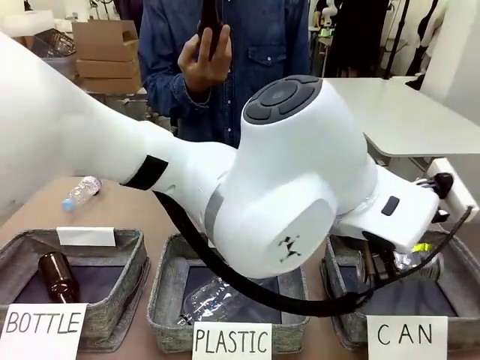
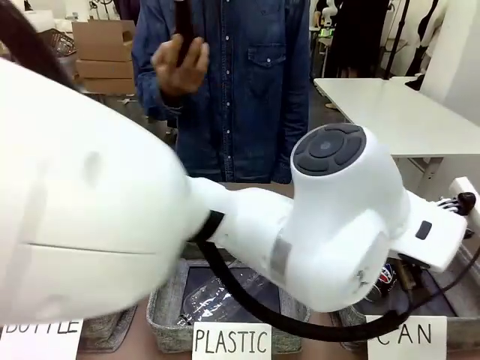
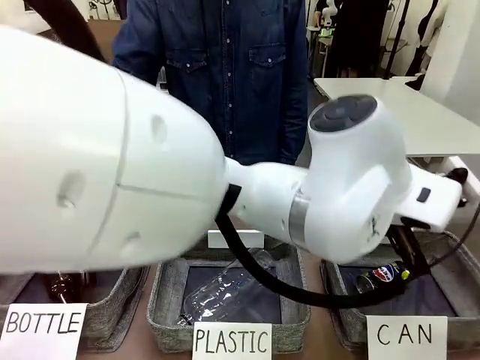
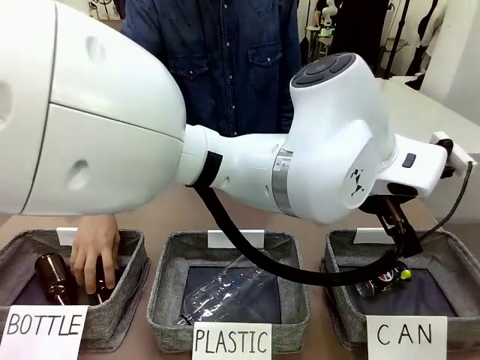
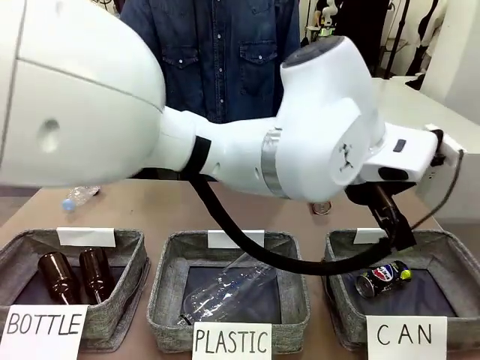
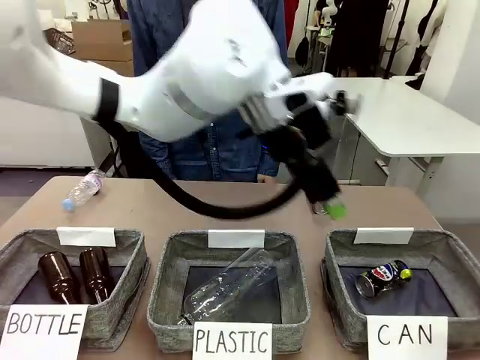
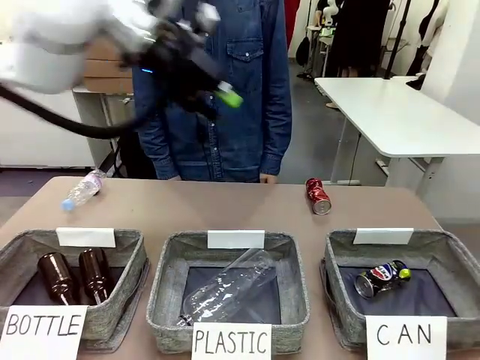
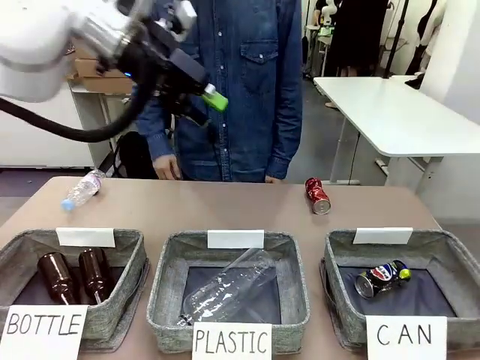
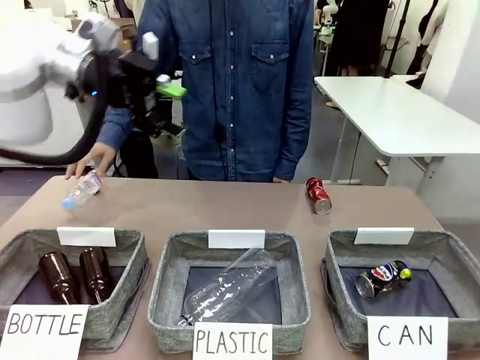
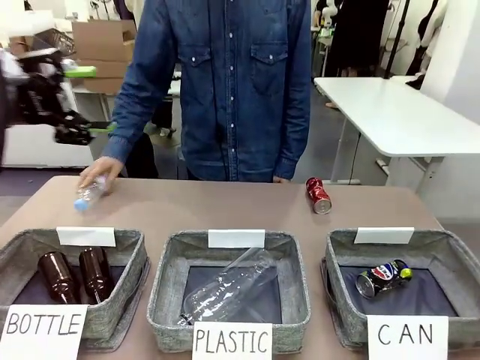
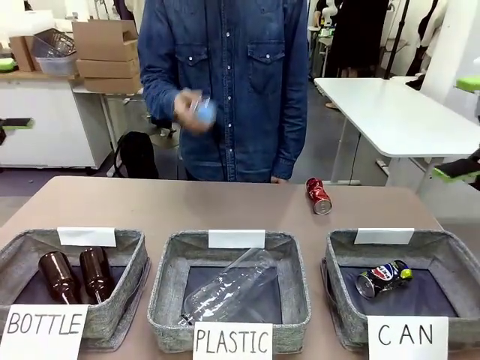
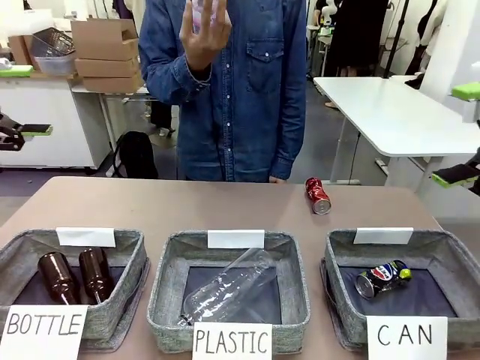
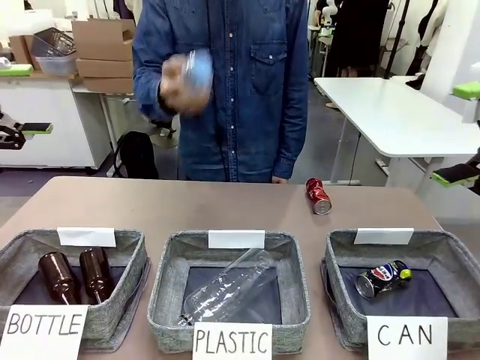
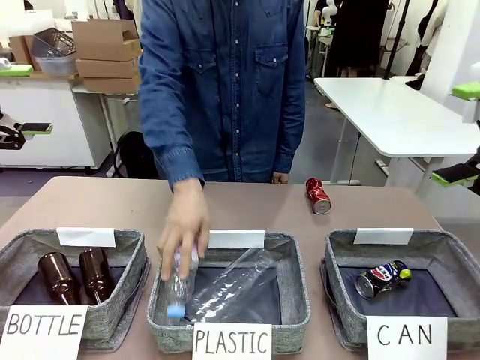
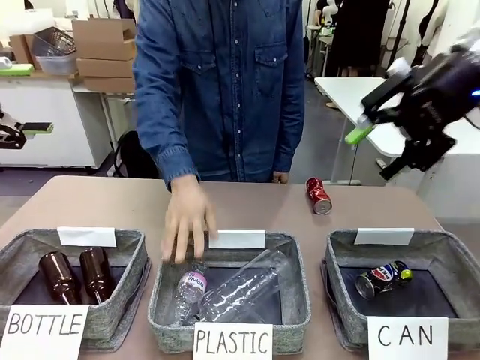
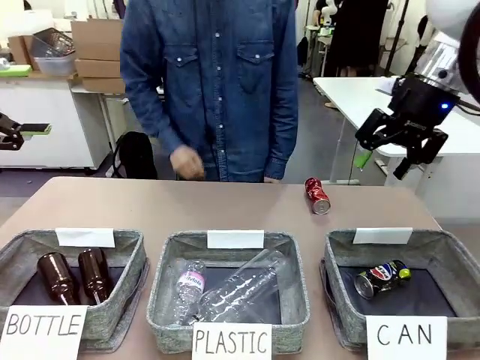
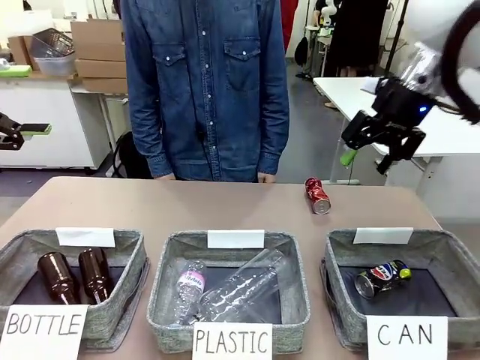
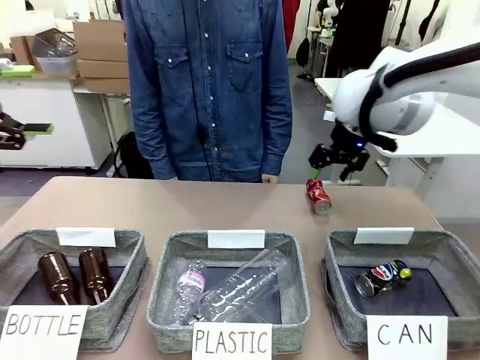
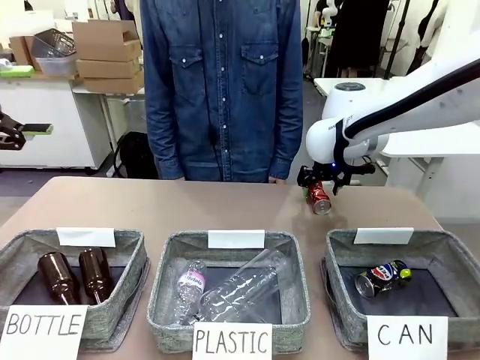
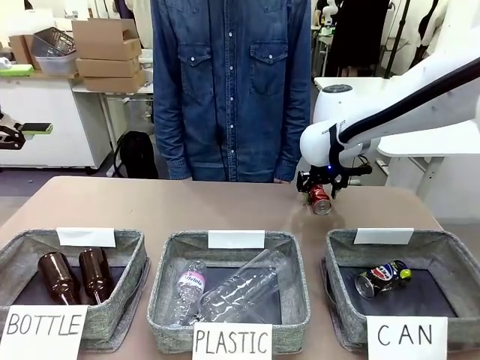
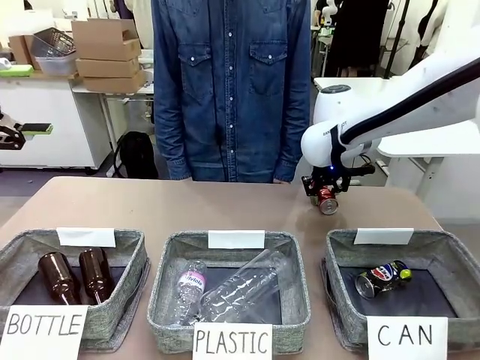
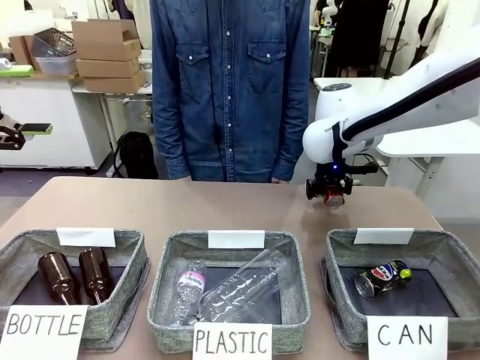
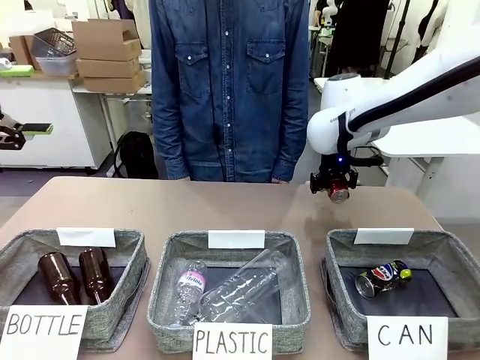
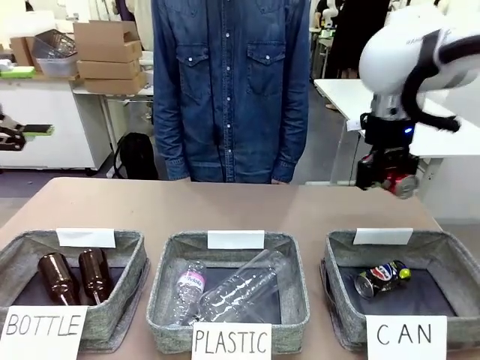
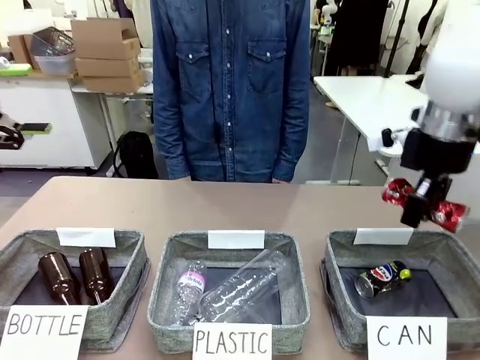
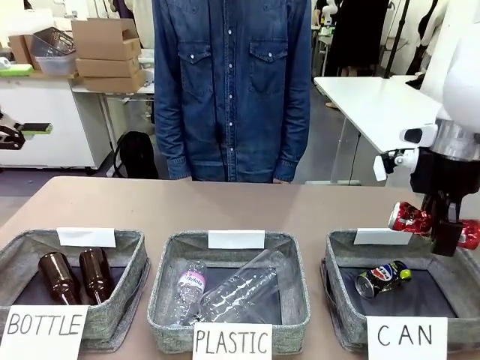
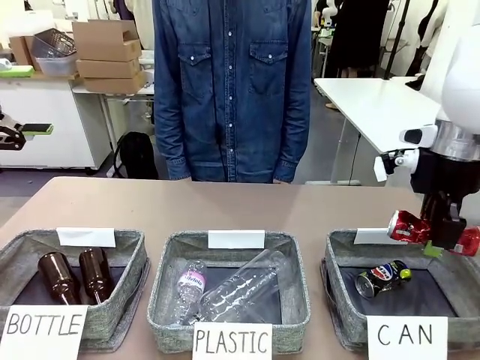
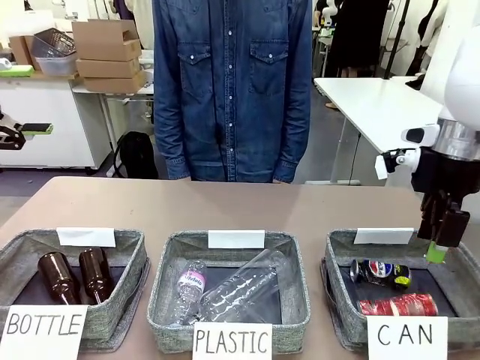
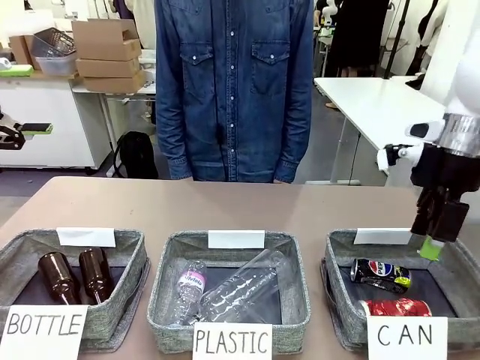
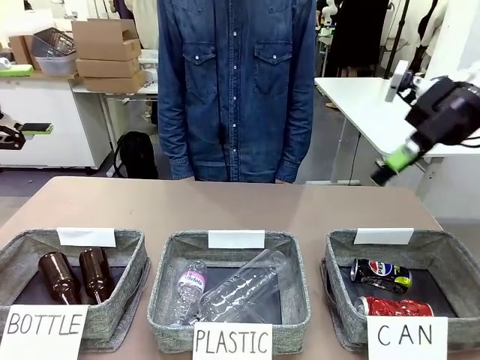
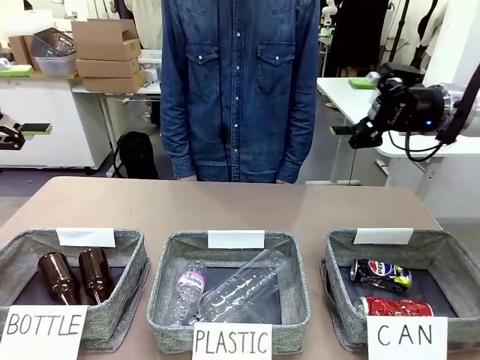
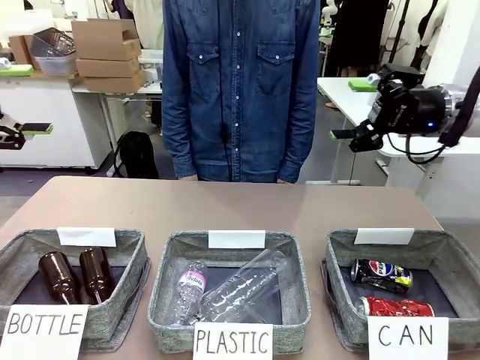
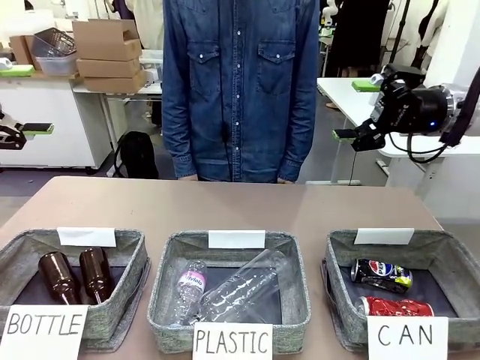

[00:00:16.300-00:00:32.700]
Task: Sort the can waste into the basket.
Robot: Pick up the can waste from the table and place it in the right Fabric basket.
Person: The human picks up one piece of trash that is not a can and places the trash into the appropriate organizing basket.

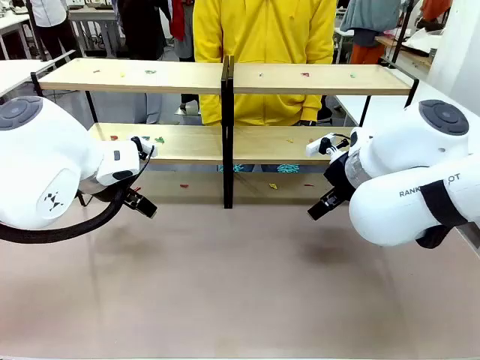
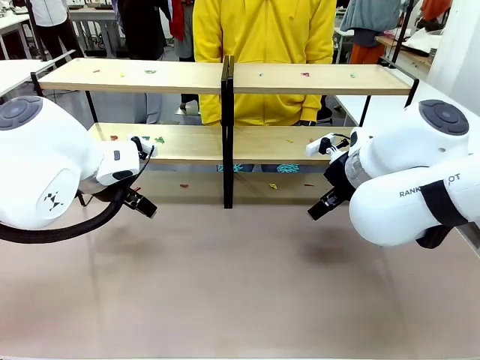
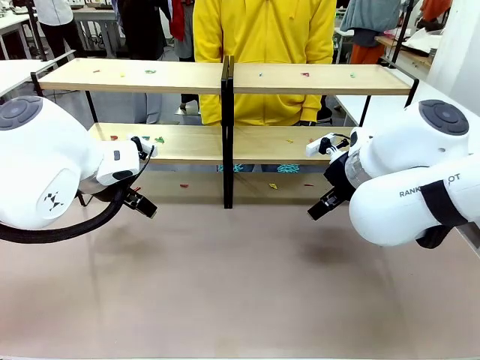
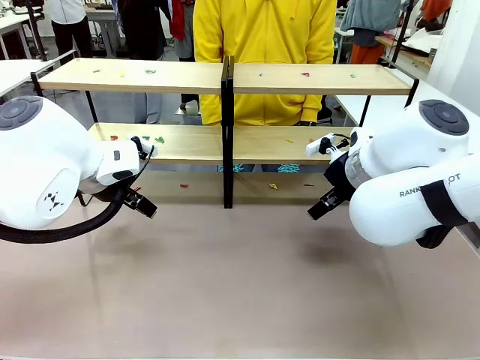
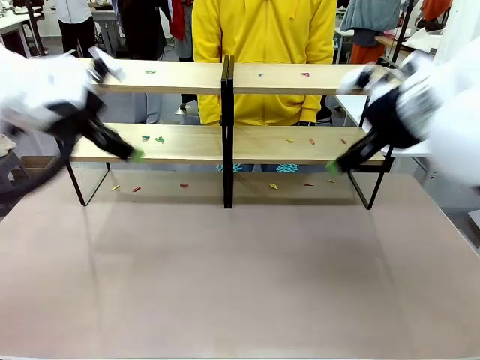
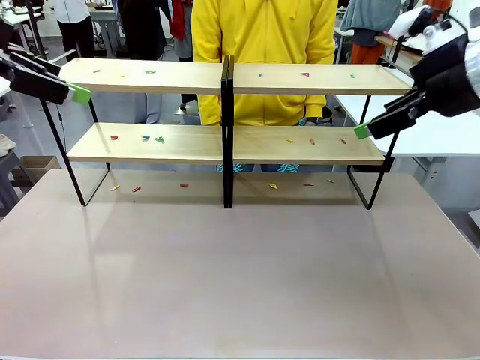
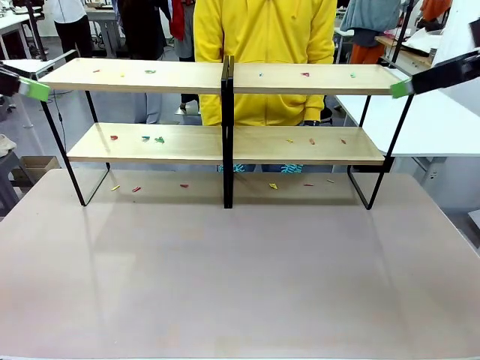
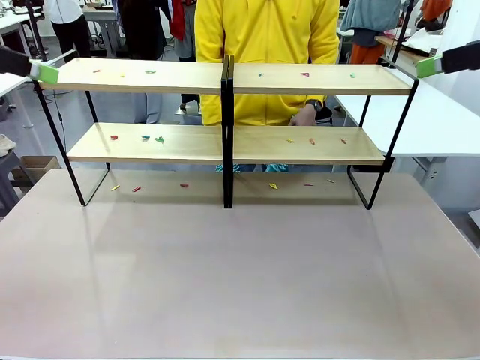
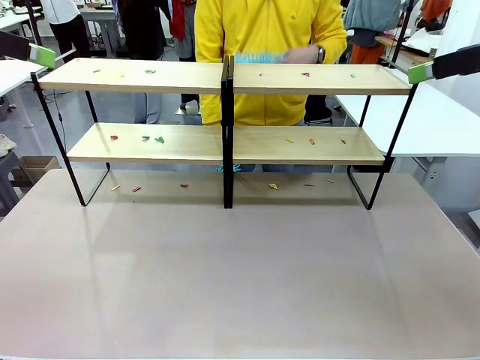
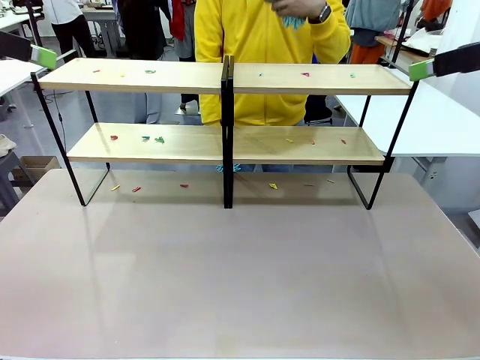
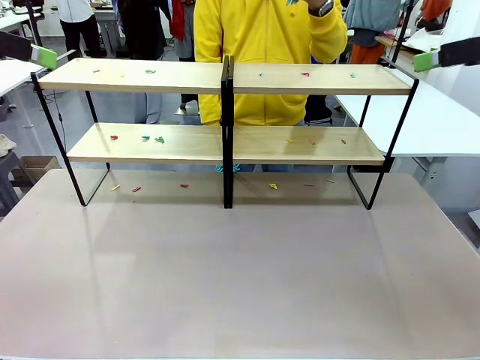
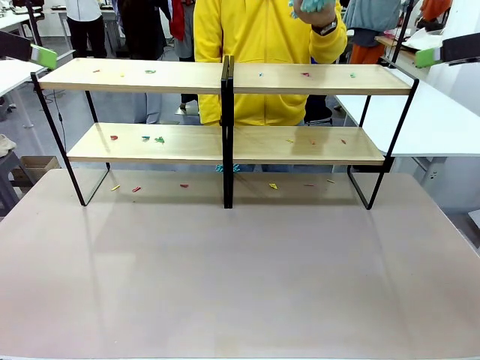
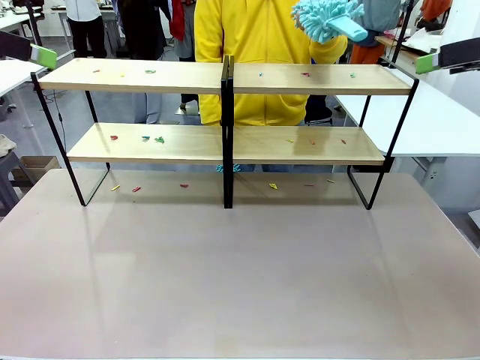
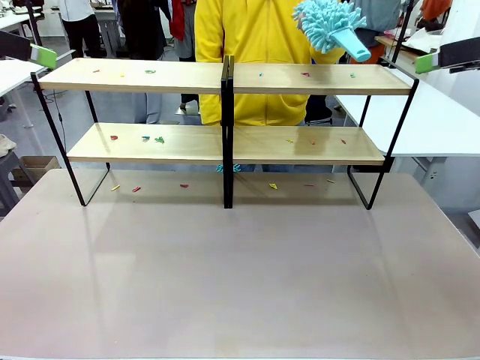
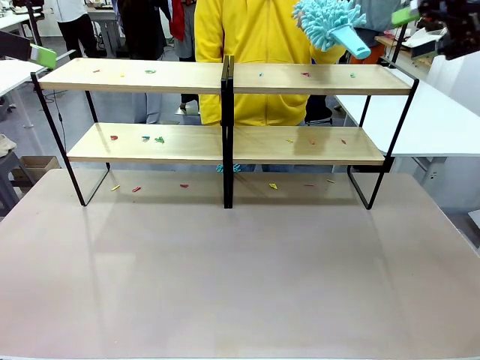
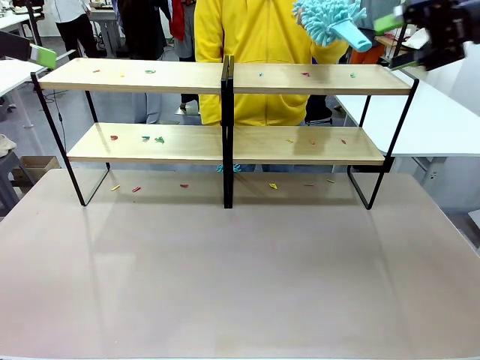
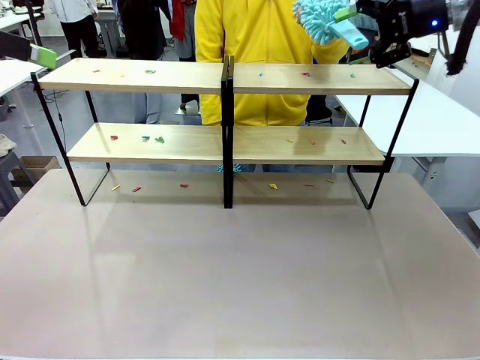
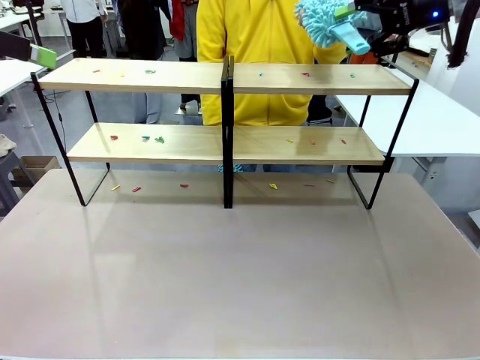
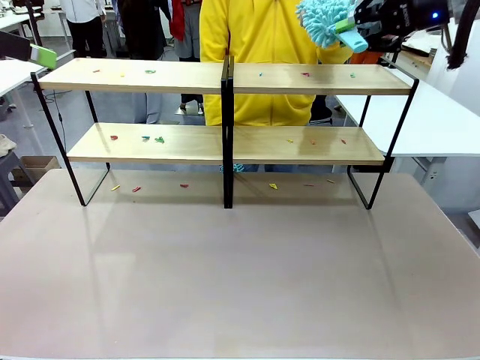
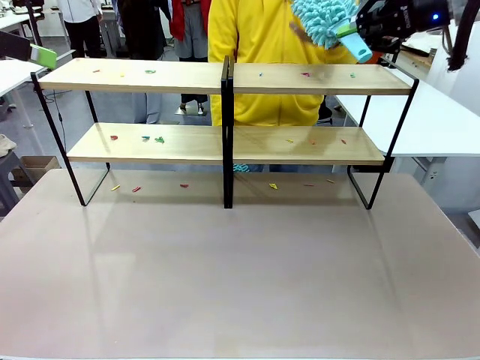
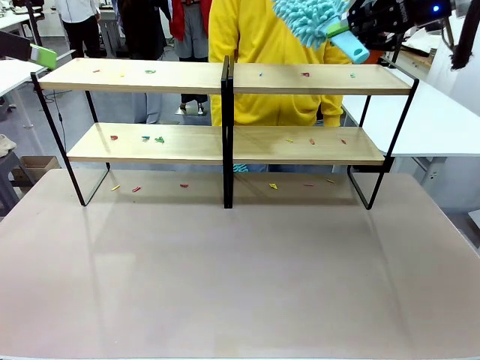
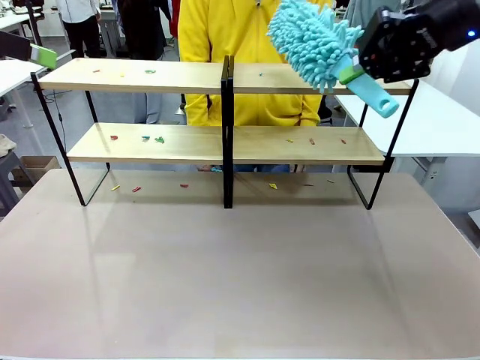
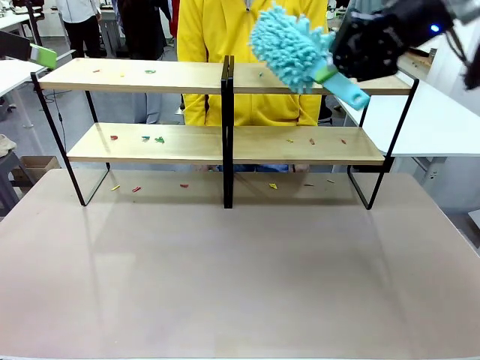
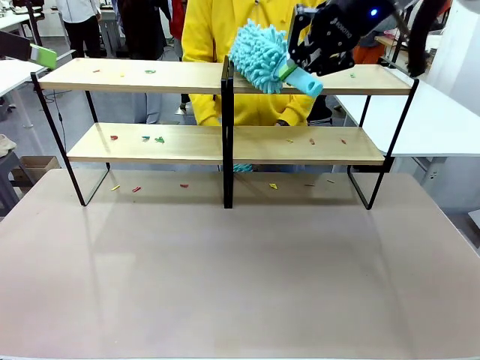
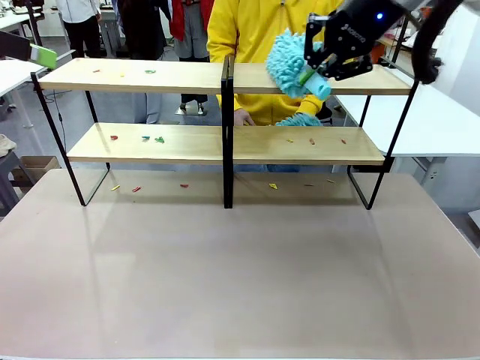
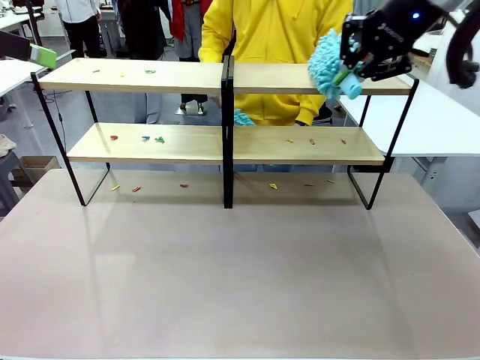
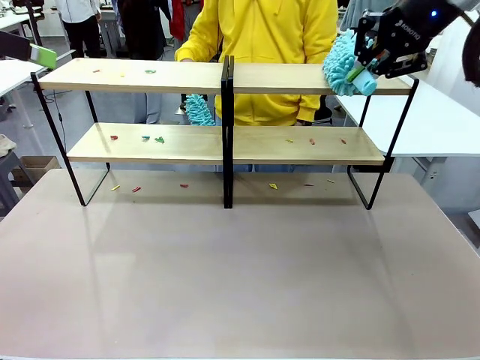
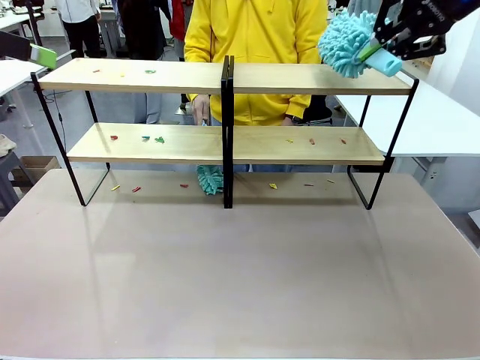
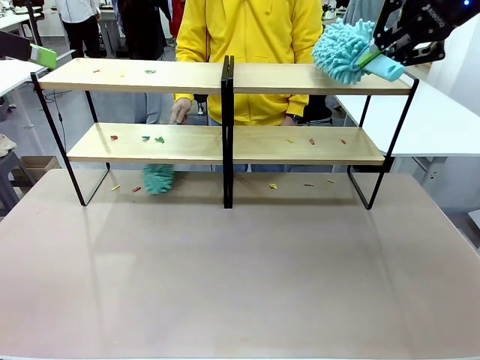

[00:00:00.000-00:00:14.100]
Task: Clean the shelves.
Robot: Pick up the Duster when the human hands it over.
Person: Hand the Duster to the robot with your right (or left) hand.
